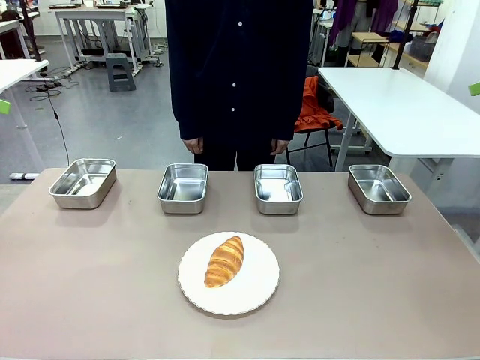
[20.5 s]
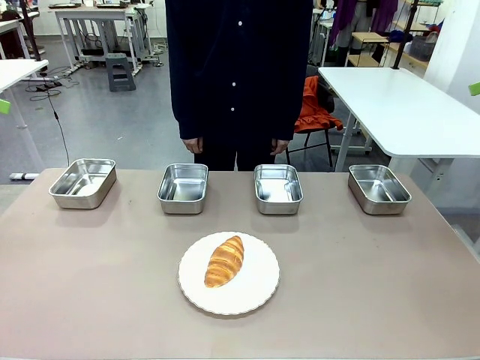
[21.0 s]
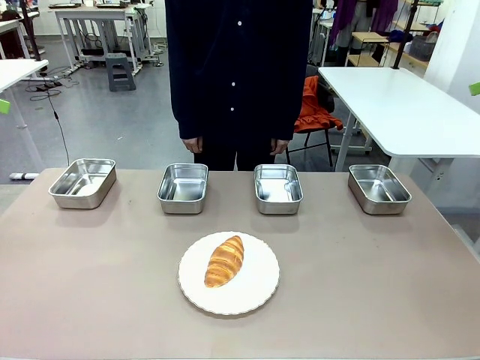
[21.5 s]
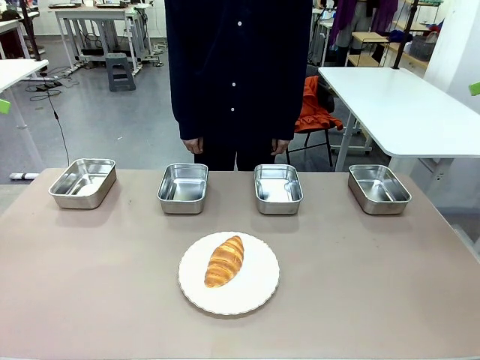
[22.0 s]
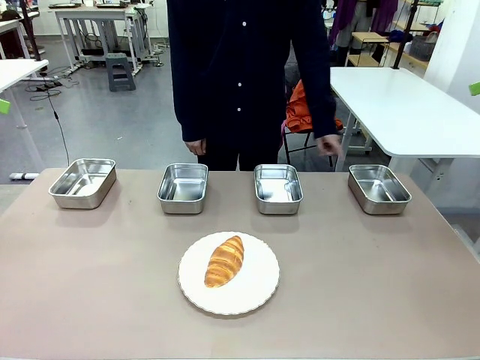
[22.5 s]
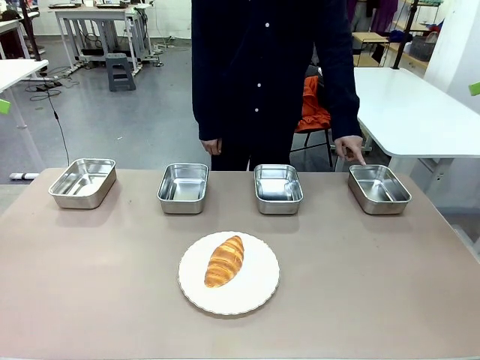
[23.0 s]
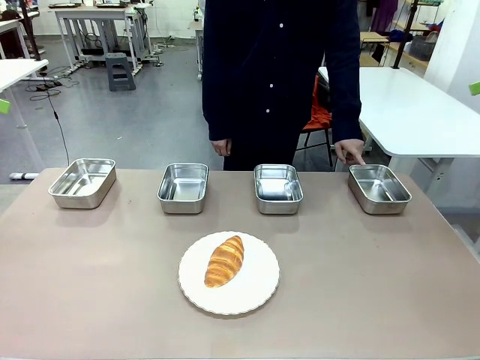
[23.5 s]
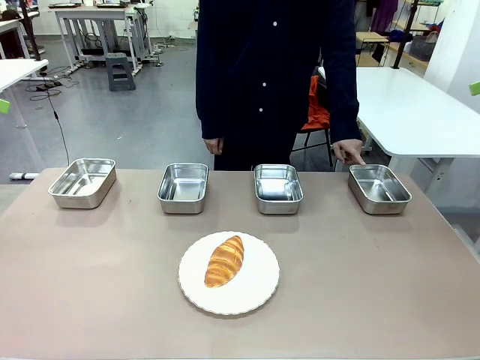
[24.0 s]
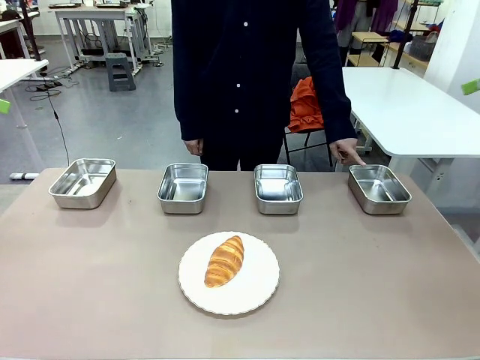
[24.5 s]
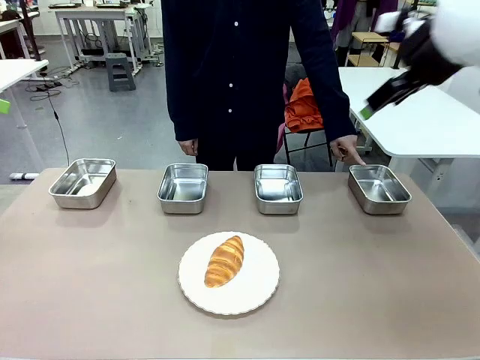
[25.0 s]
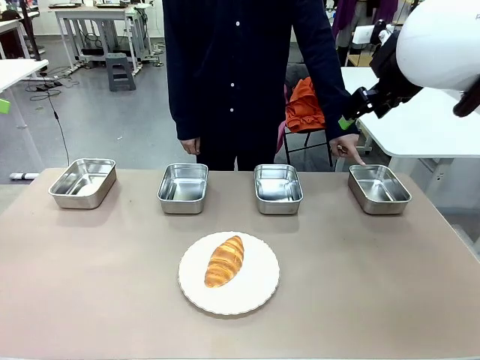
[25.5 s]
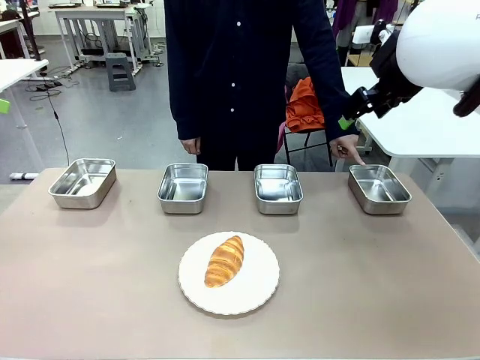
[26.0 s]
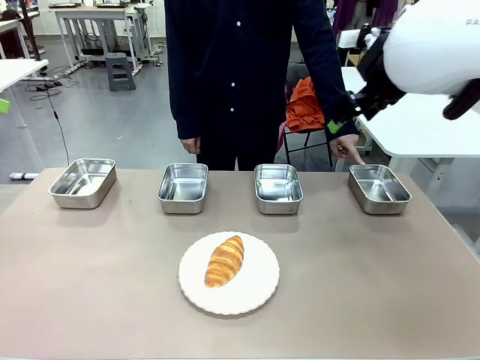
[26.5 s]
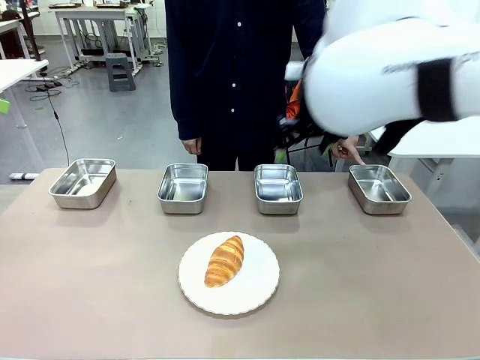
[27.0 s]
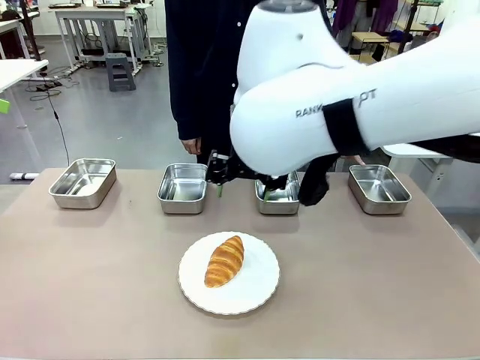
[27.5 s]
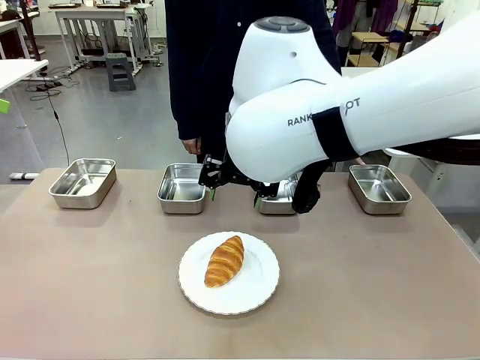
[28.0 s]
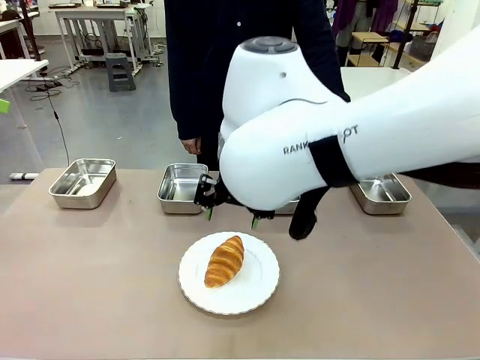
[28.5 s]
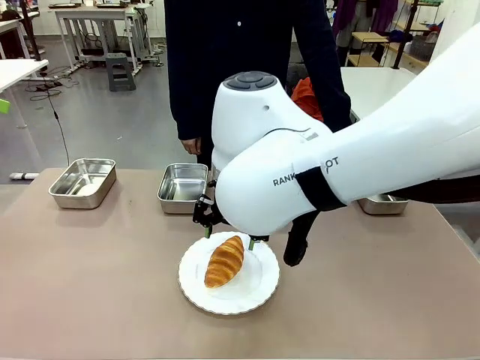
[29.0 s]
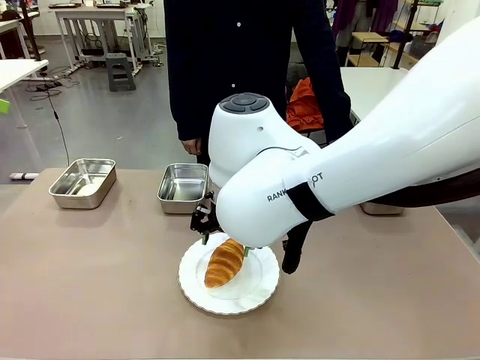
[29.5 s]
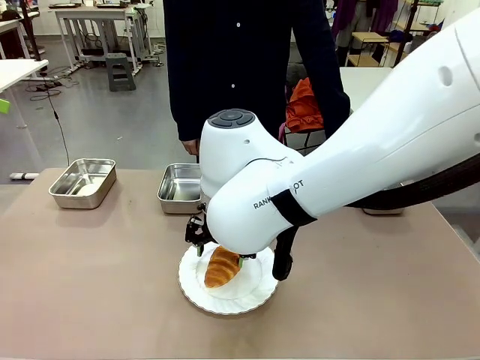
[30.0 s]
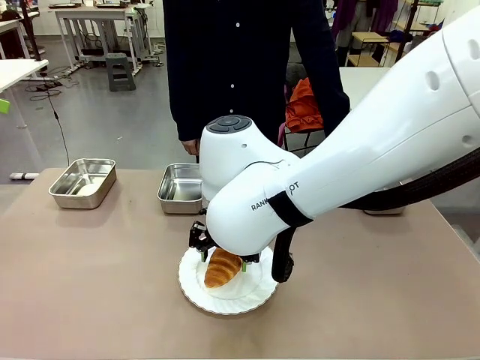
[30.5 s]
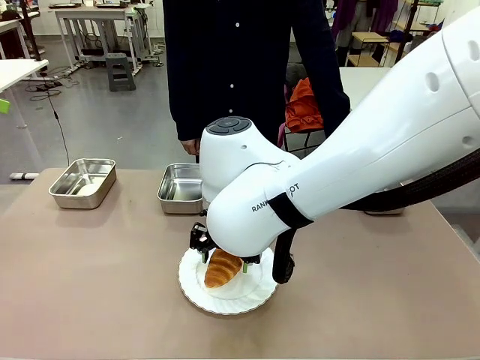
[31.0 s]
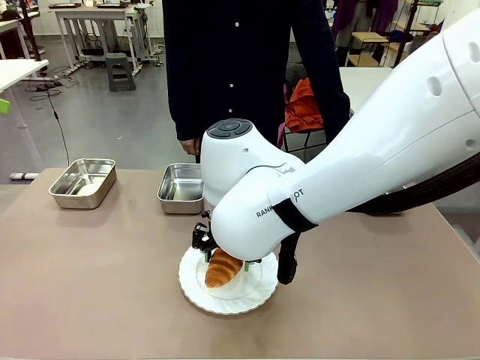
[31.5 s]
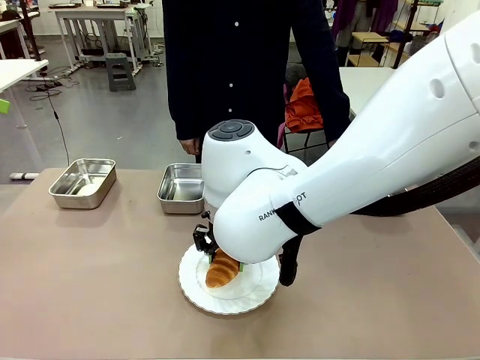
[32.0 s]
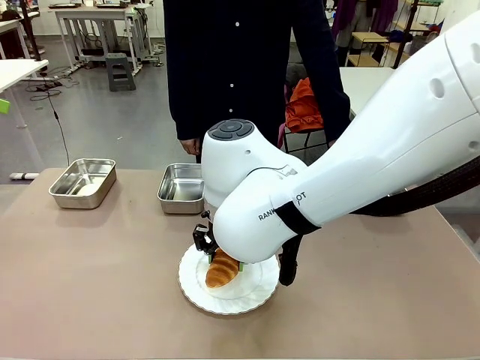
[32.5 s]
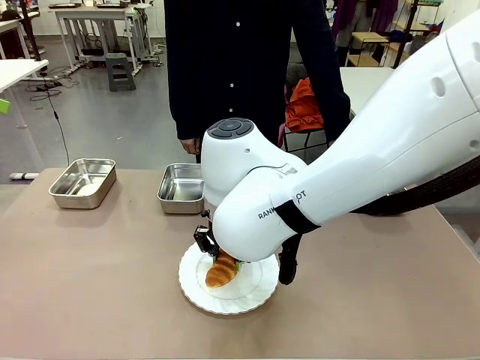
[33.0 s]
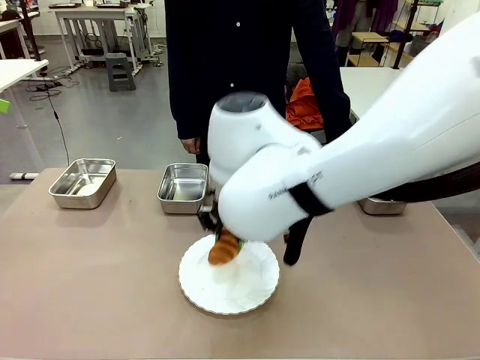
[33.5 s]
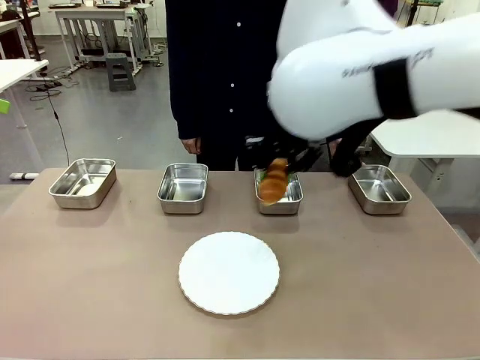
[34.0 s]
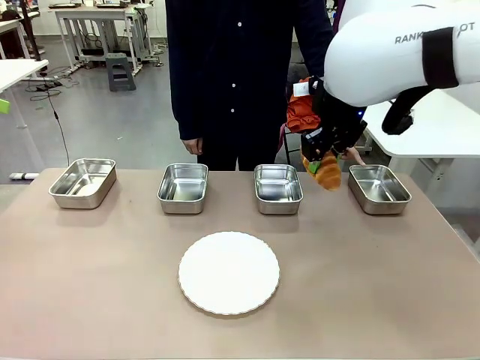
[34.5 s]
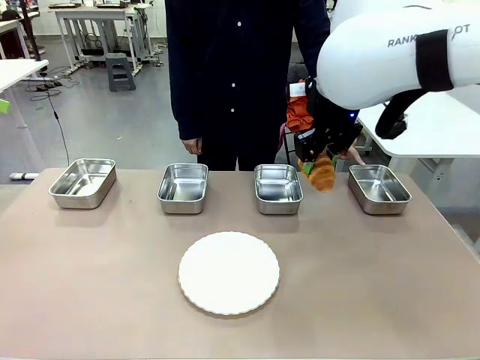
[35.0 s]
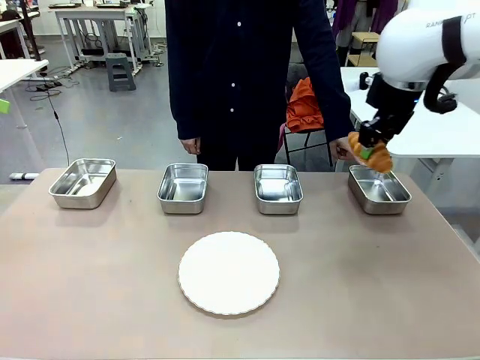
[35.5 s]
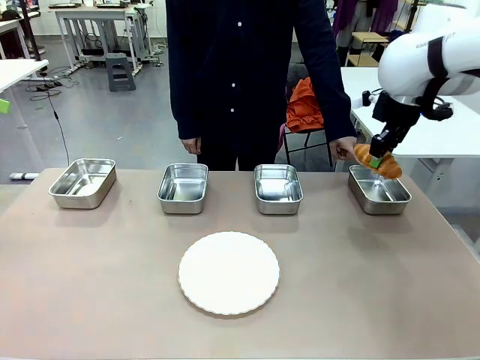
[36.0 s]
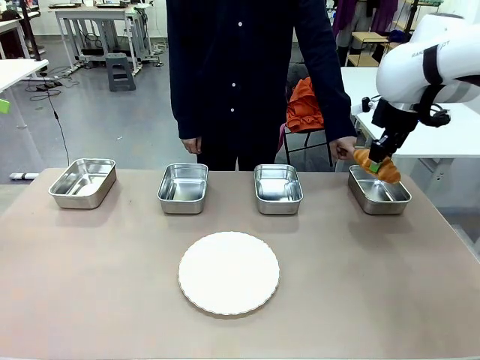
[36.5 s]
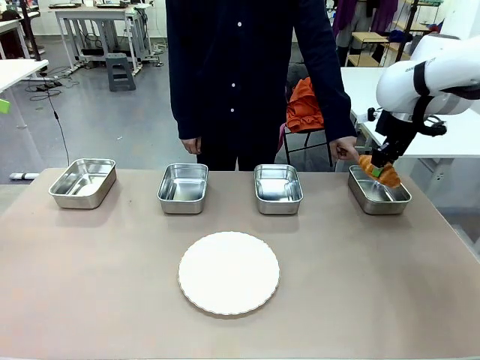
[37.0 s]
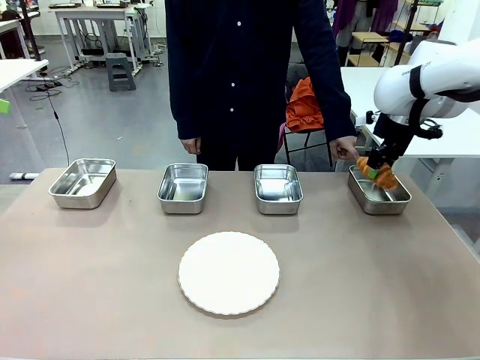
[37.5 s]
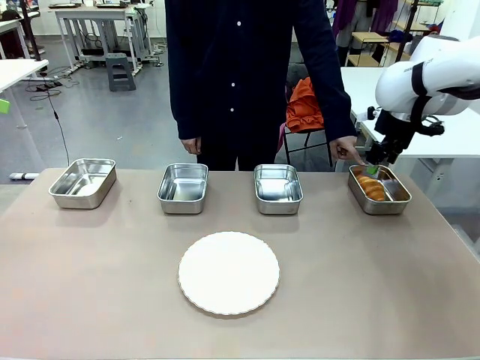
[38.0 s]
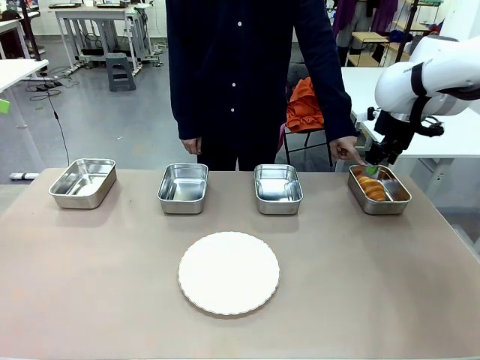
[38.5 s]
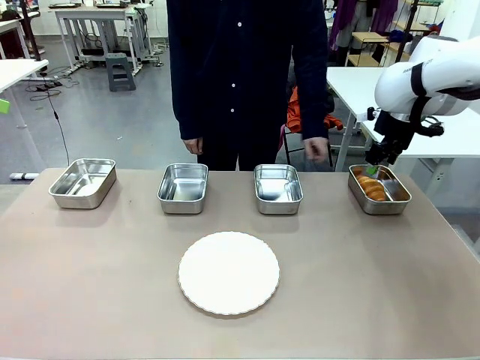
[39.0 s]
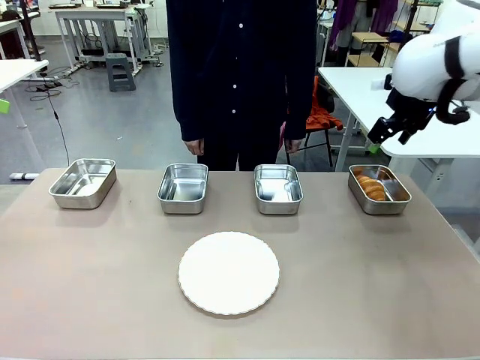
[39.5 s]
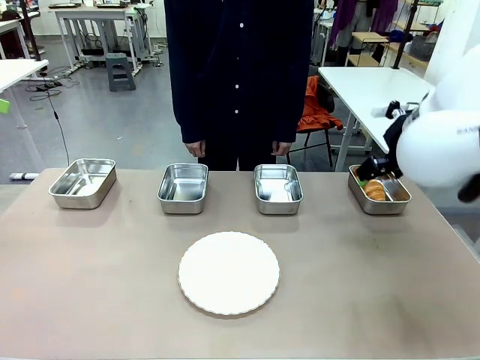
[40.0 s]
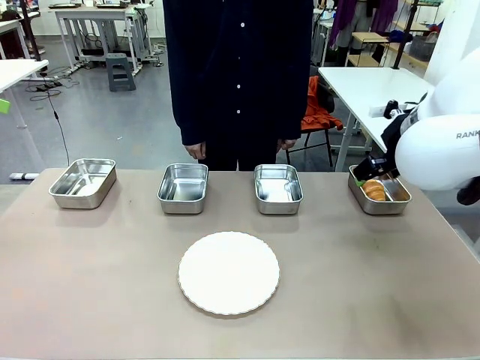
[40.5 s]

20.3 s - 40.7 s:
Task: Place the bread in the container.
Robot: Place the Butter Roll into the Airtight Container indicated by the human.
Person: A person randomly selects and points to an Airtight Container.

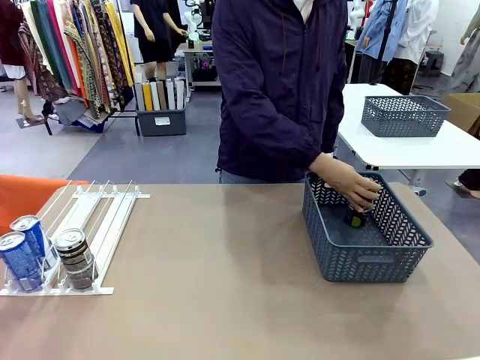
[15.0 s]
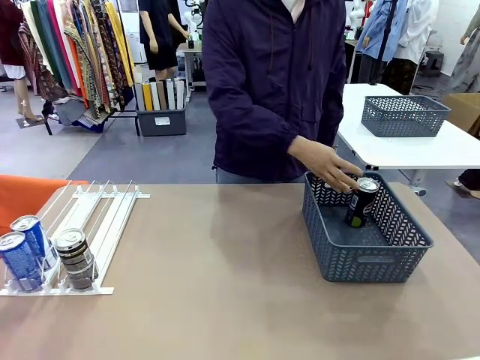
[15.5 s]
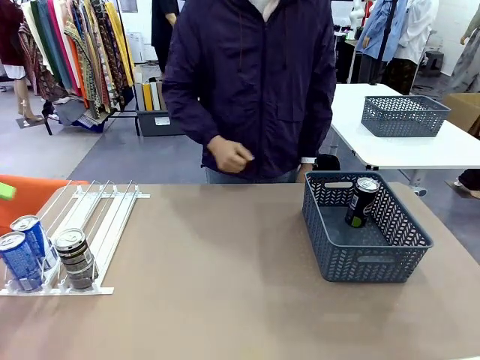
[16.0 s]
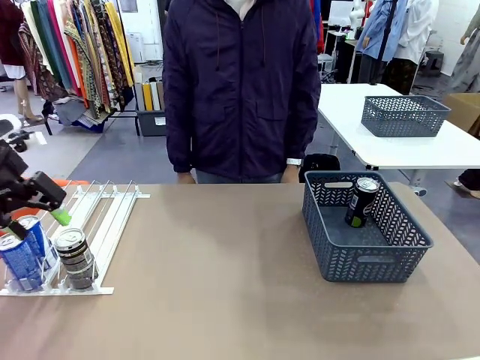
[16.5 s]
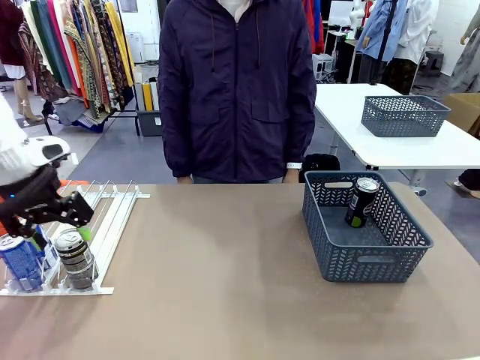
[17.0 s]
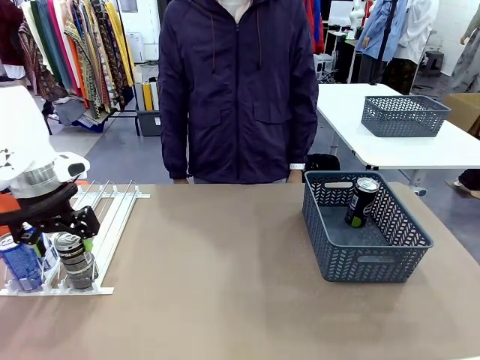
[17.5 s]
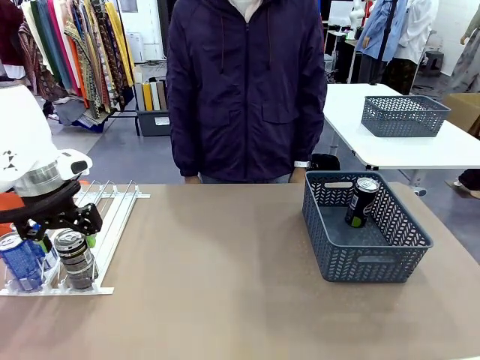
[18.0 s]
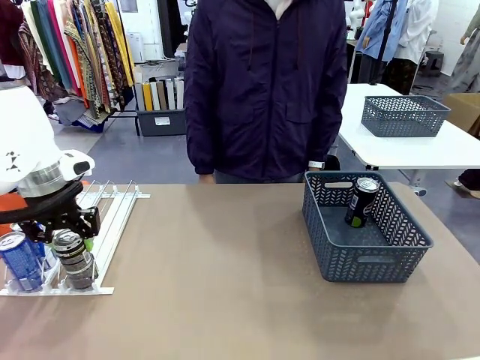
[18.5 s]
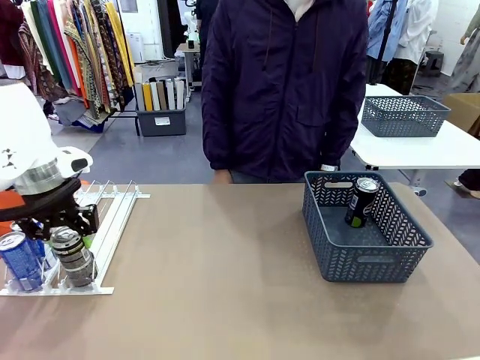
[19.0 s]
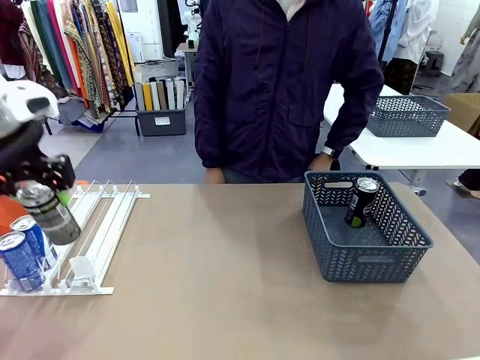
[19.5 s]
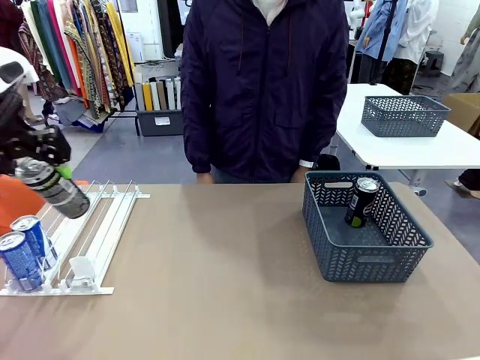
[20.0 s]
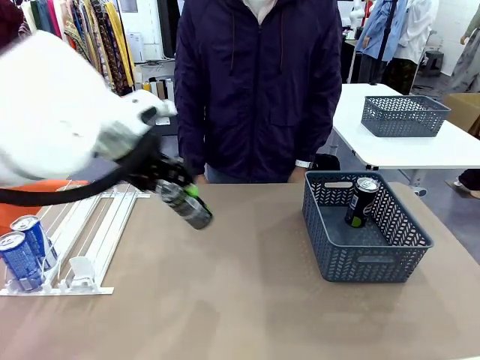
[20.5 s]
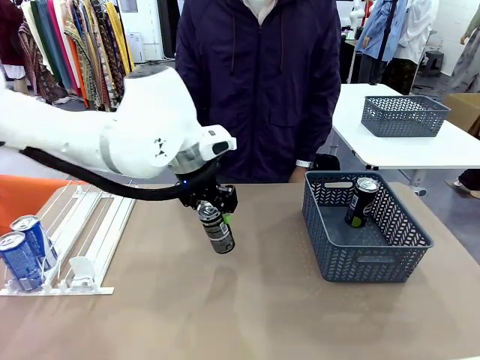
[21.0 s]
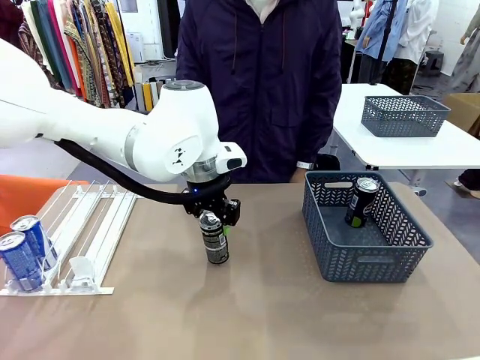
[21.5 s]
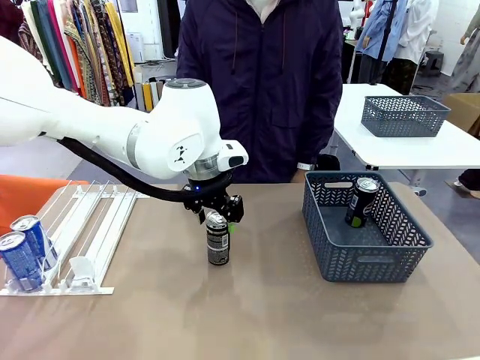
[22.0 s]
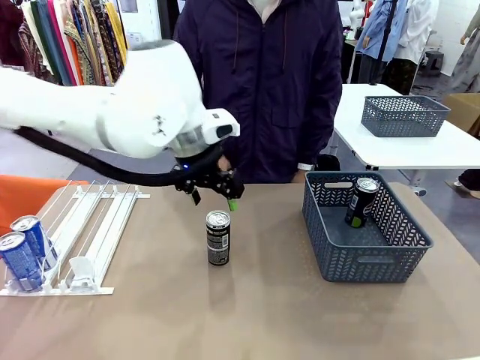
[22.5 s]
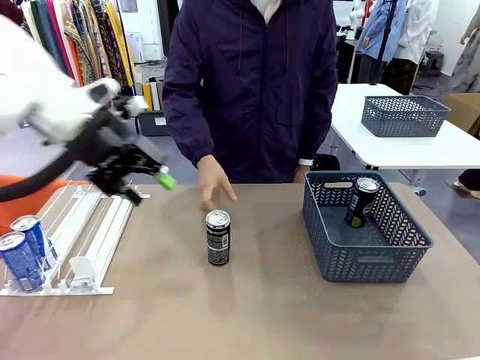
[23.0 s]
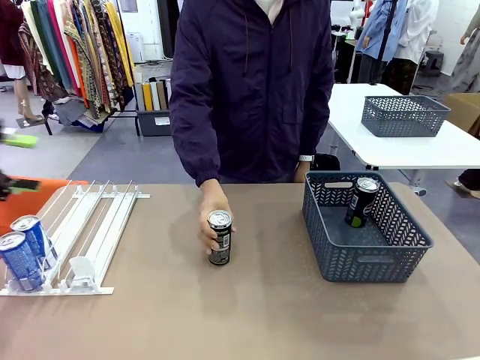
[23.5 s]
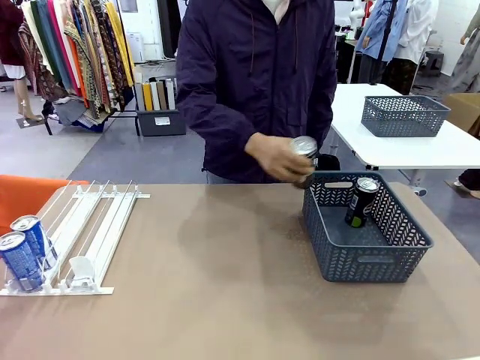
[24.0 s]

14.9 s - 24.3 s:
Task: Retrieve and store the cans from the dispenser.
Robot: Pick up the last remaining can from one row of the Automatic Can Dispenser and place it in the middle of the table.
